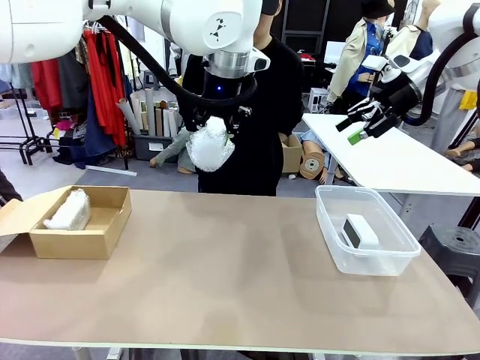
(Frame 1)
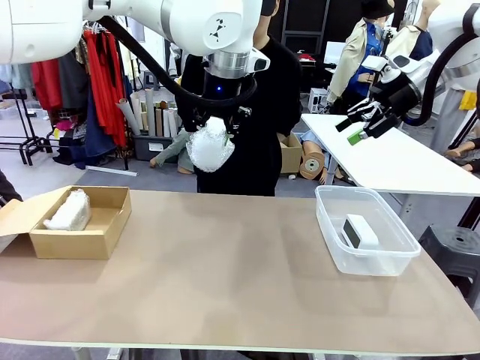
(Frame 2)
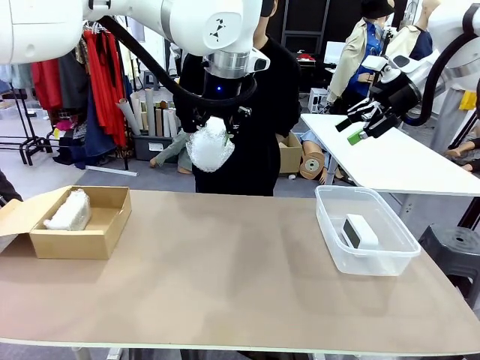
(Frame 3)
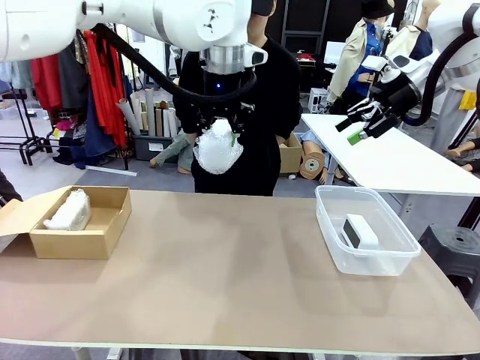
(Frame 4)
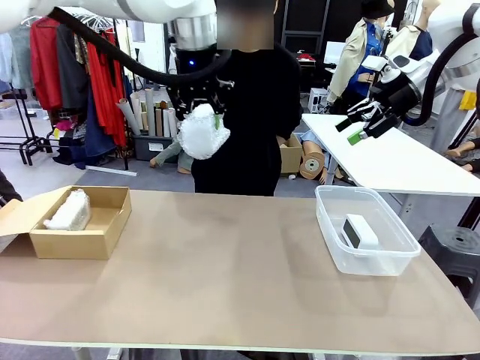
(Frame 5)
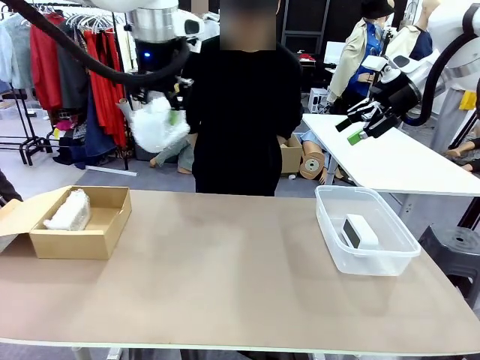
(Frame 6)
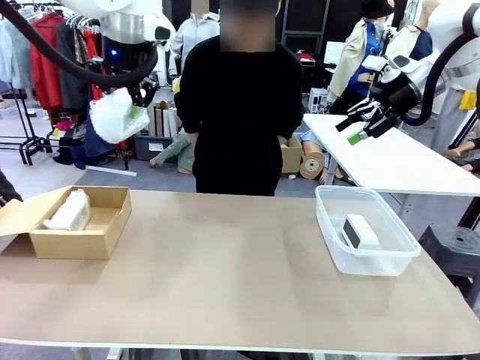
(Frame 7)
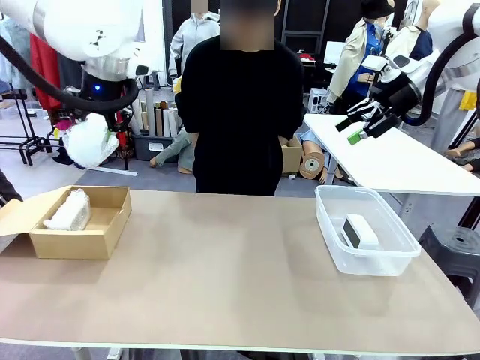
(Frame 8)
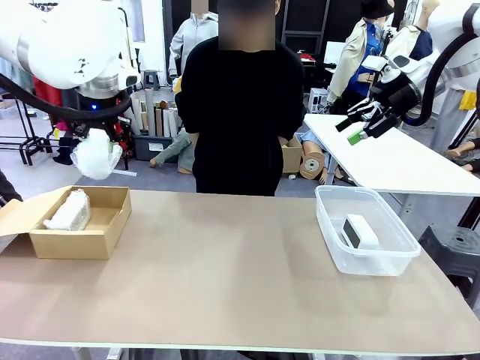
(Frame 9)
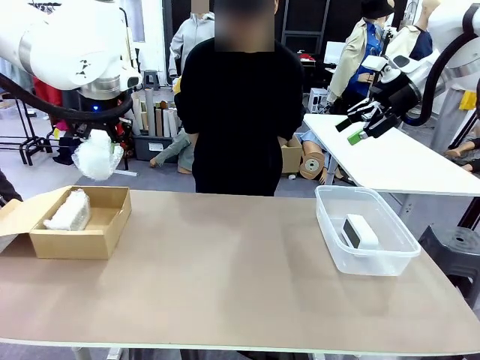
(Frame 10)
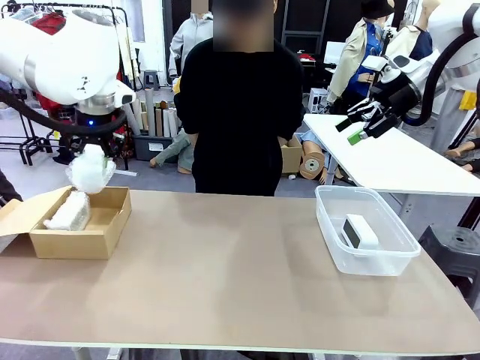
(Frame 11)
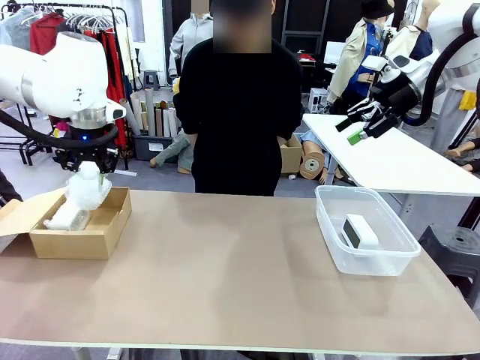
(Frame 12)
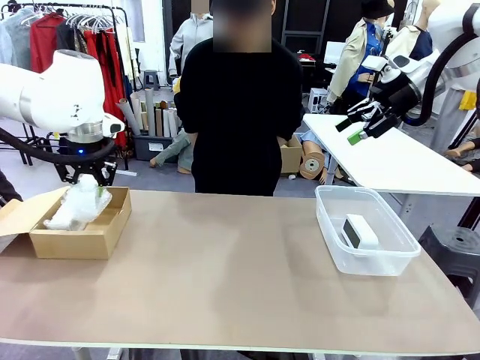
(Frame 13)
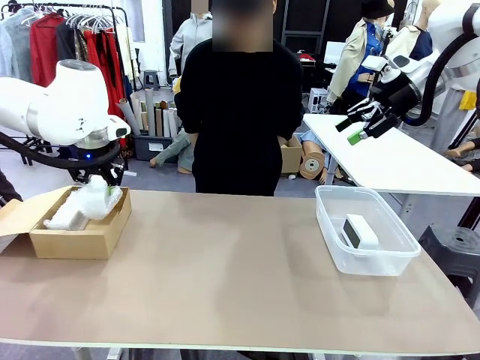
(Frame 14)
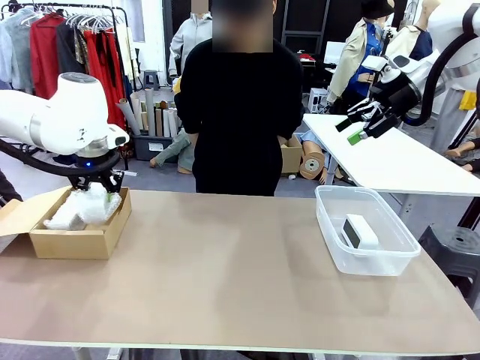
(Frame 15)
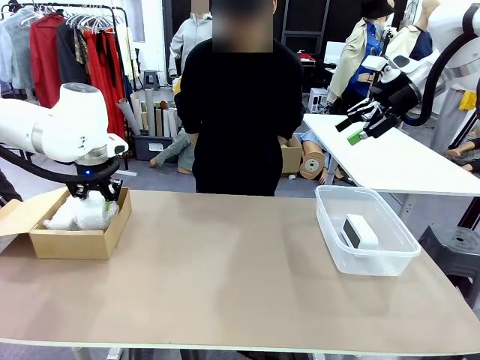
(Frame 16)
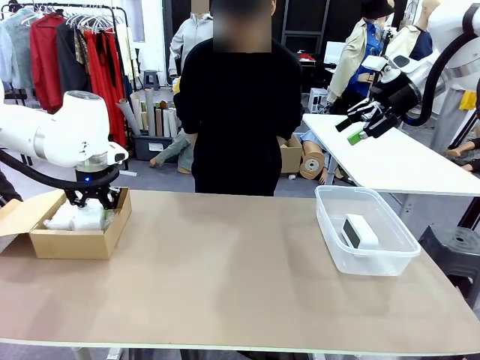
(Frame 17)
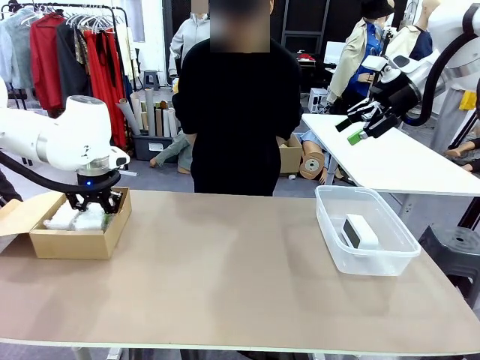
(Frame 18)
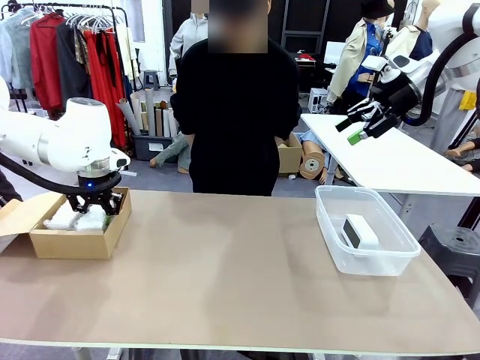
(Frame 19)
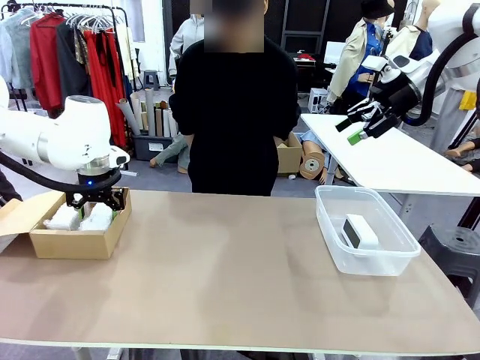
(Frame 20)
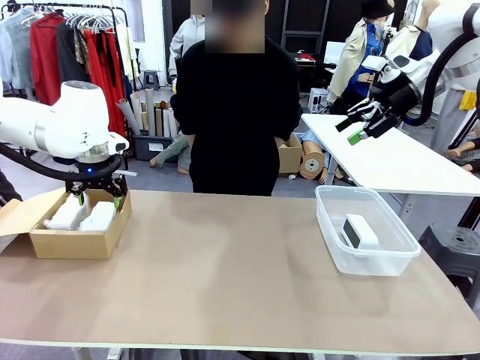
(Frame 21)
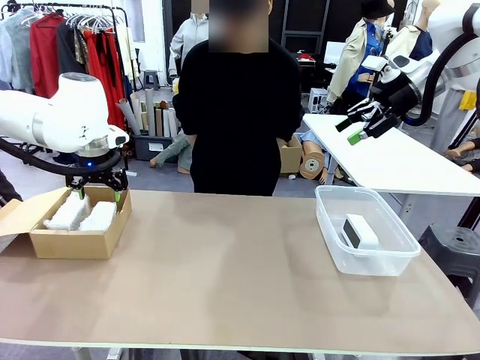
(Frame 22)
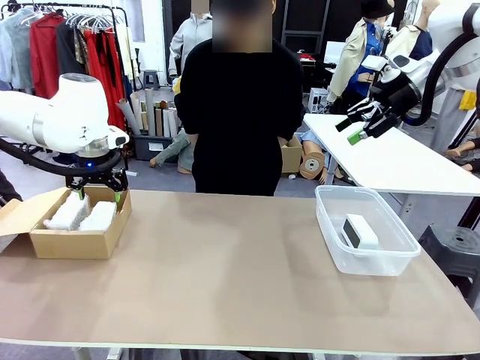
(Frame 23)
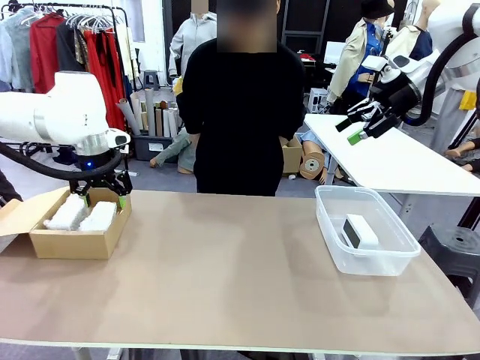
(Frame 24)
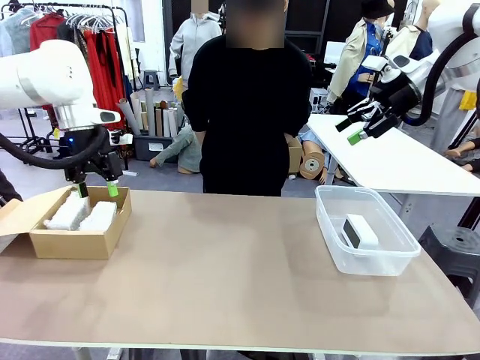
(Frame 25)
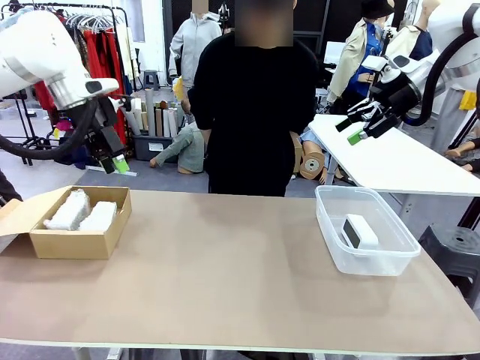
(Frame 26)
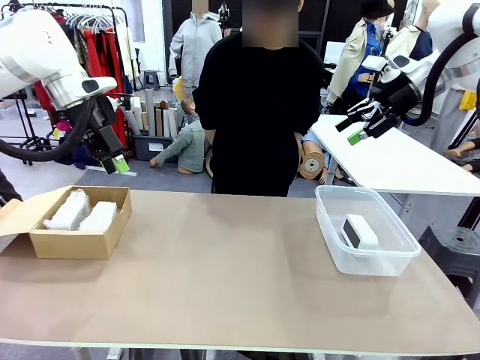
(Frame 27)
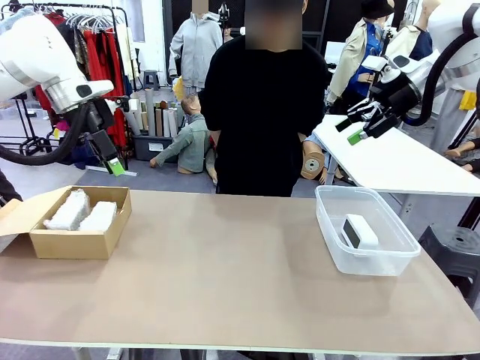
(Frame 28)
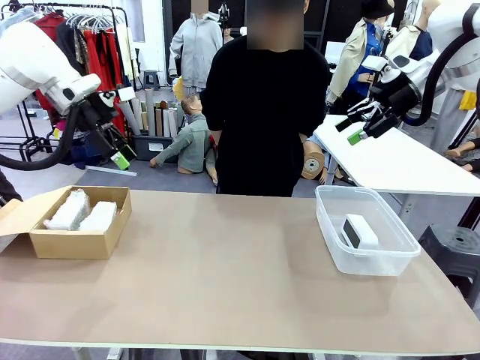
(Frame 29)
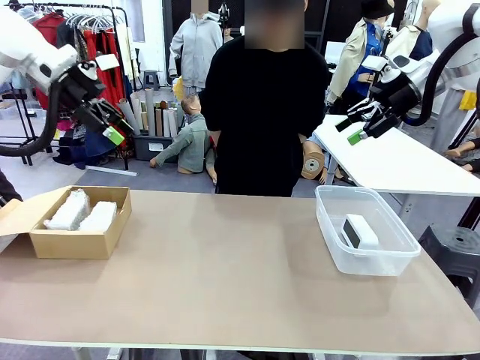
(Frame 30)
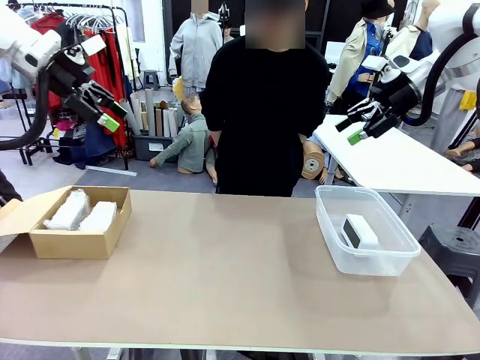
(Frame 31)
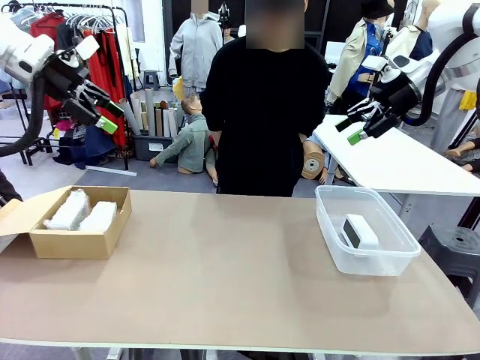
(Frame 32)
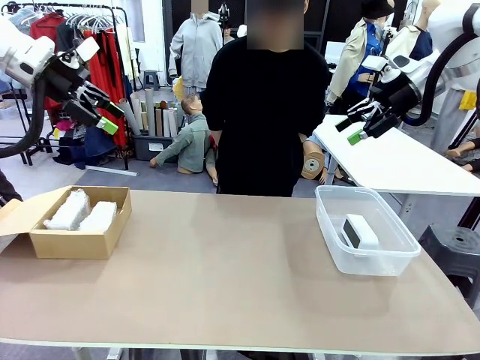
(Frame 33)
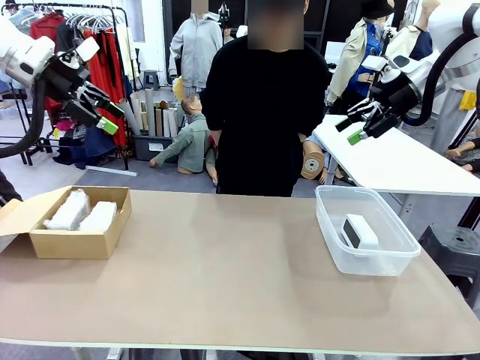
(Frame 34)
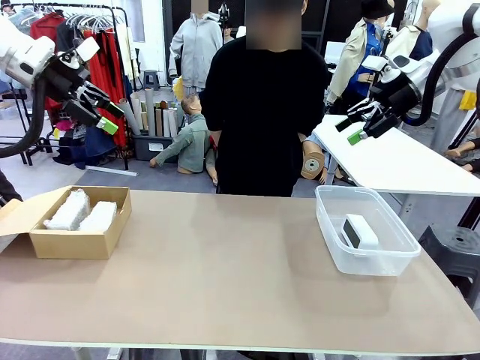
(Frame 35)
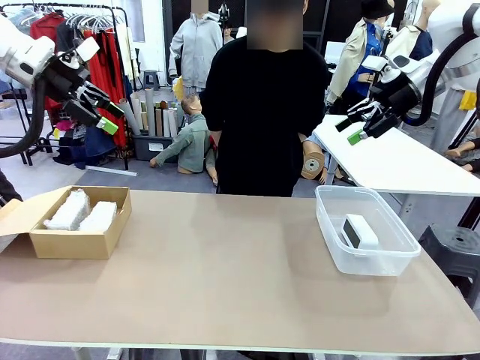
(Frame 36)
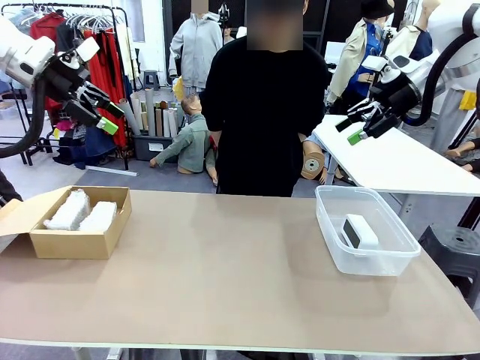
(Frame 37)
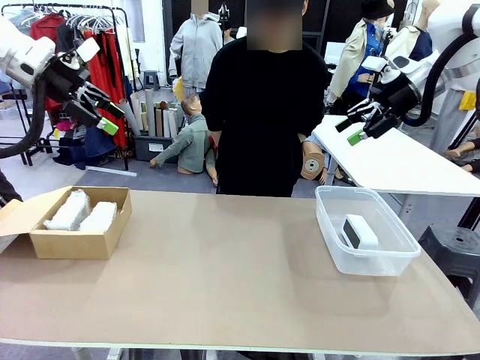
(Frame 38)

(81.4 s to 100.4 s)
Task: Separate and place wrapped and unwrapped clocks.
Robot: If the picked Digital clock is wrapped, place it in the Package Box ; if not, place it in the Organizing box.

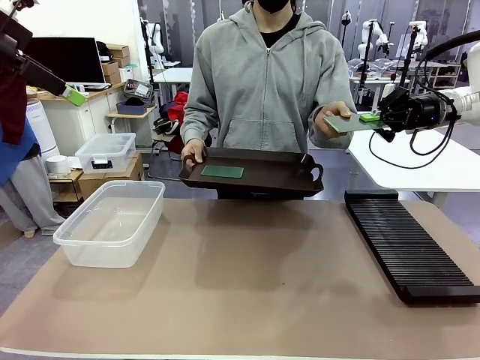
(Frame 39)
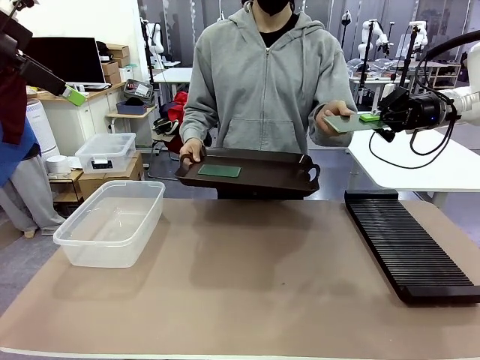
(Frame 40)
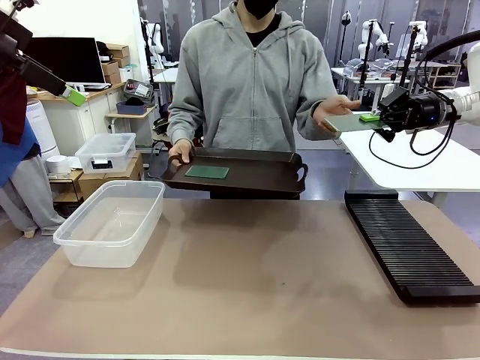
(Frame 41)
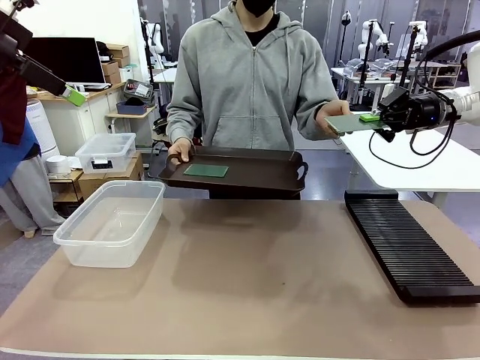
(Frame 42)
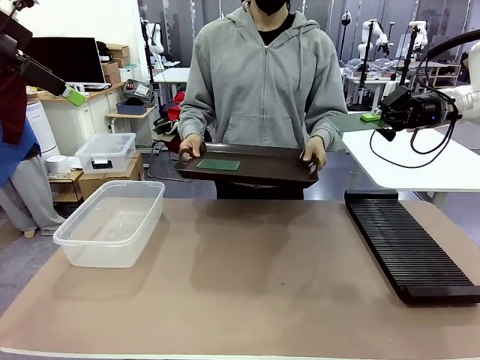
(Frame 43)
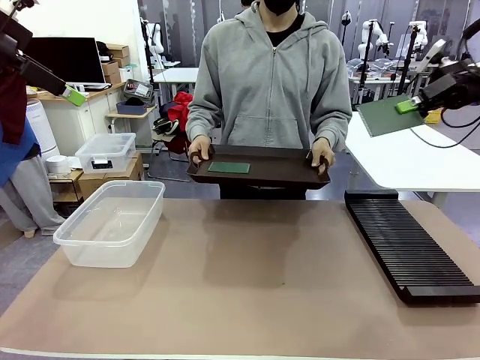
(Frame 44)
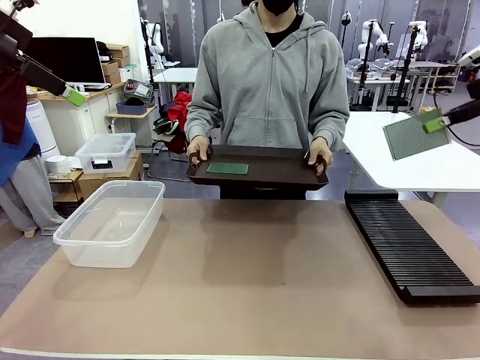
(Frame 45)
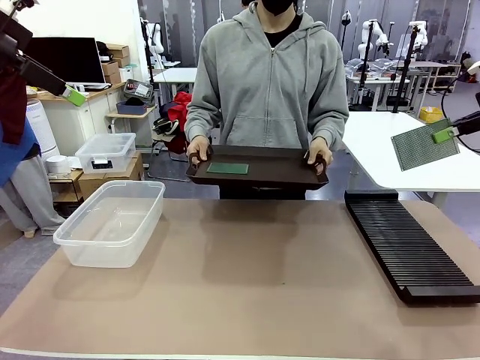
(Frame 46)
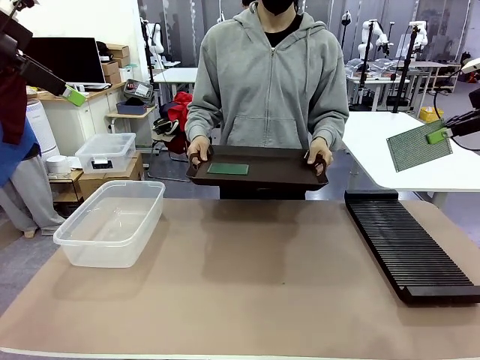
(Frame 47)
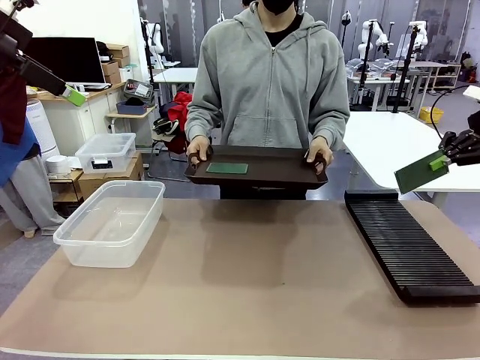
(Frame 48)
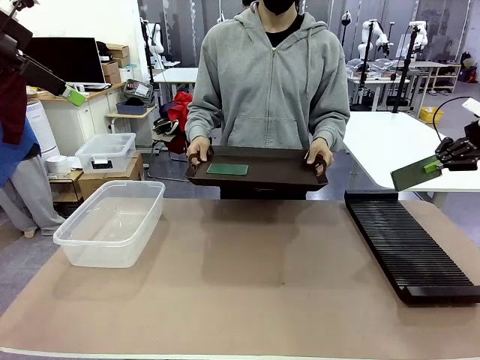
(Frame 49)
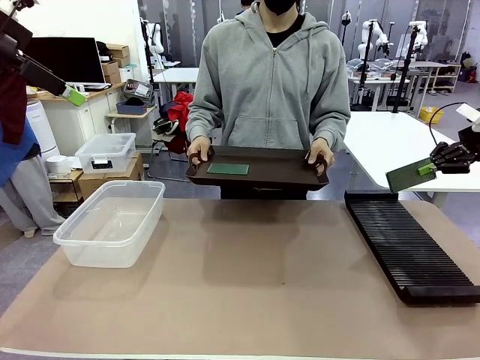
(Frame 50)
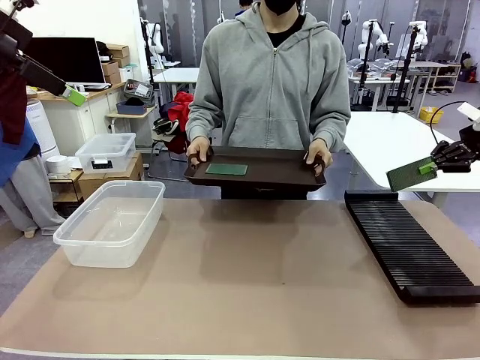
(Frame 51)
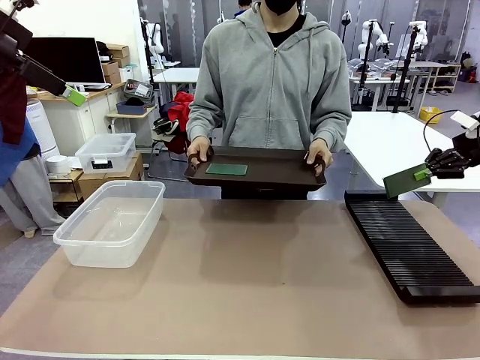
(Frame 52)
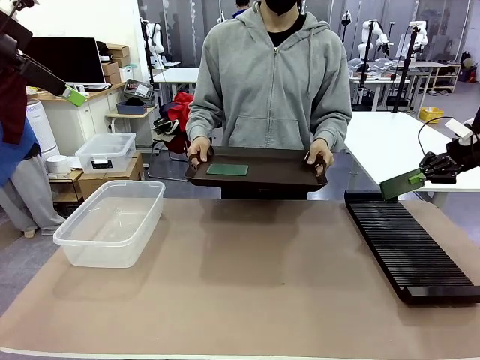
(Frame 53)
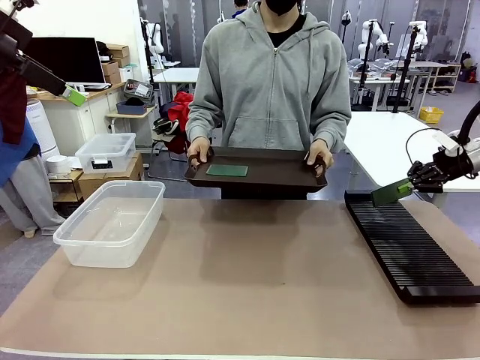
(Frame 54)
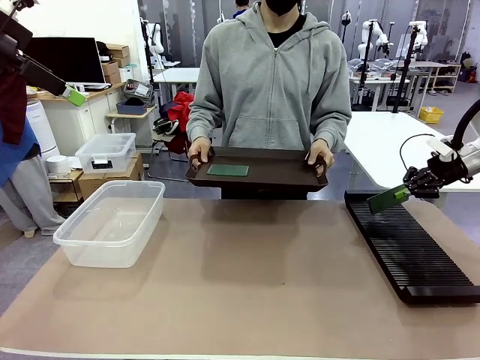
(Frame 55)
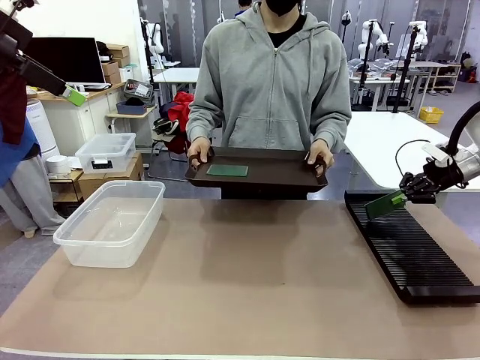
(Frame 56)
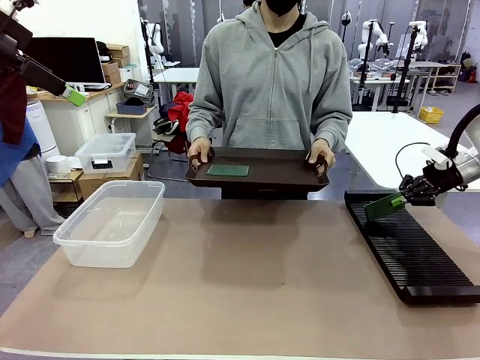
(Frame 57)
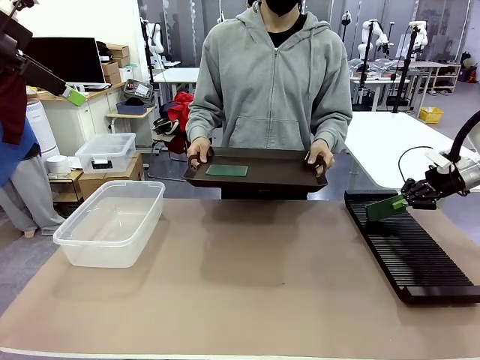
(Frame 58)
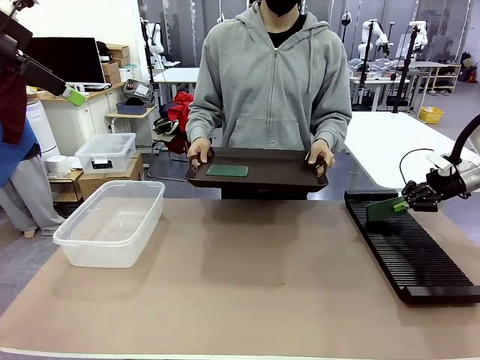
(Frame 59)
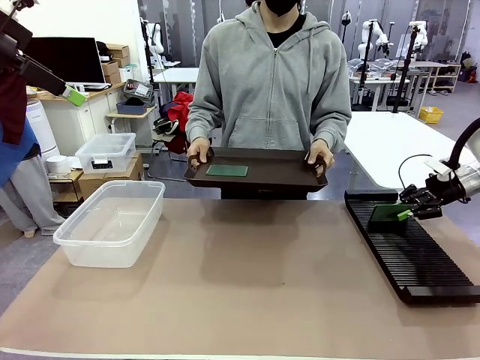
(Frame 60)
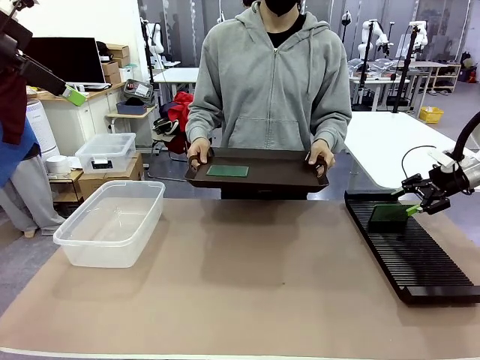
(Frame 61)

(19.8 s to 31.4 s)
Task: Sort PCBs into racks and boxes based on the side picked up.
Robot: If the short side of the Blank PCB is picked up, insert it into the PCB Rack ; if the long side is picked up, place it in the Organizing box.
Person: Pick one PCB from the tray and present it to the robot.
